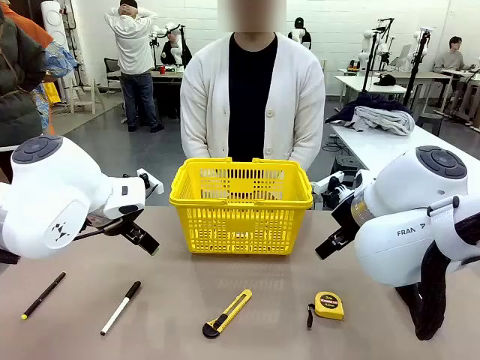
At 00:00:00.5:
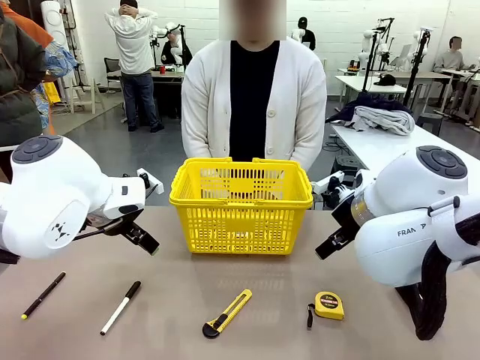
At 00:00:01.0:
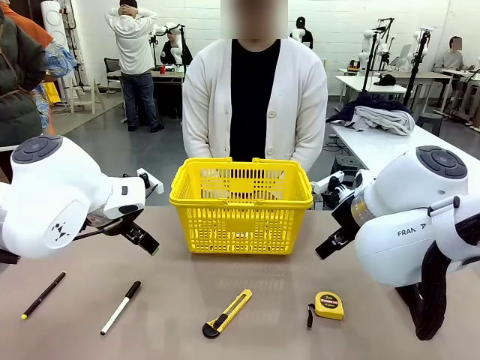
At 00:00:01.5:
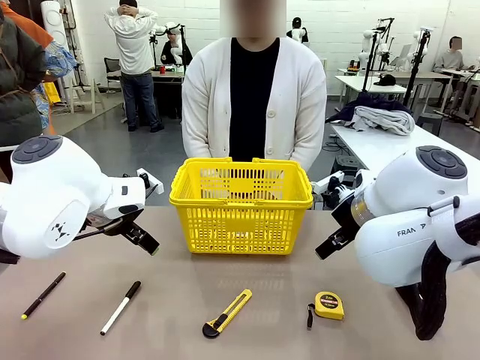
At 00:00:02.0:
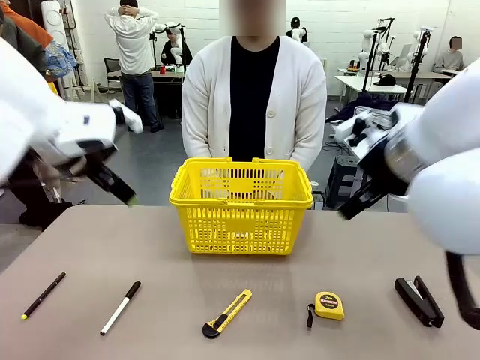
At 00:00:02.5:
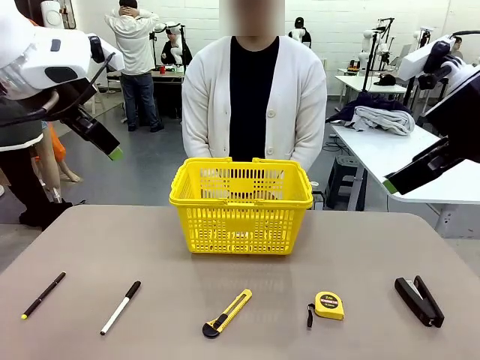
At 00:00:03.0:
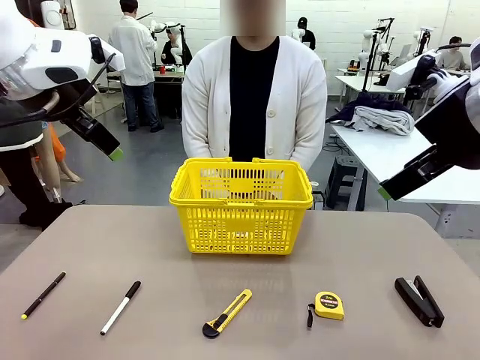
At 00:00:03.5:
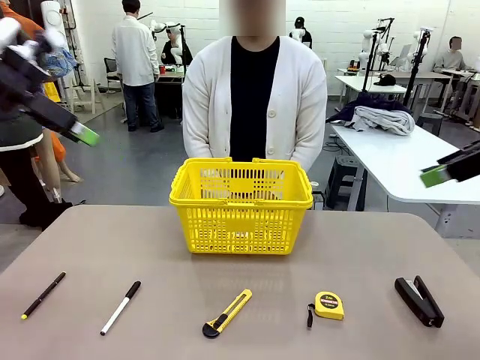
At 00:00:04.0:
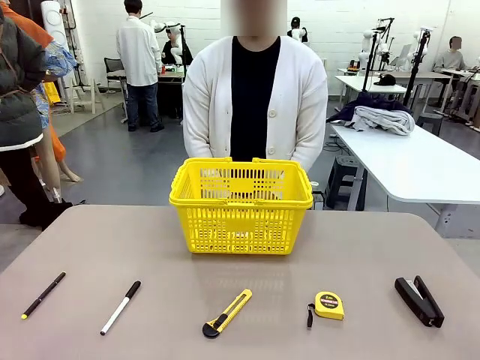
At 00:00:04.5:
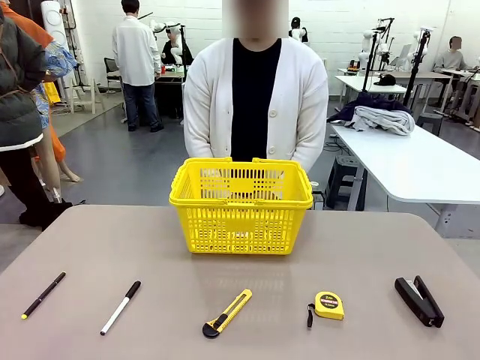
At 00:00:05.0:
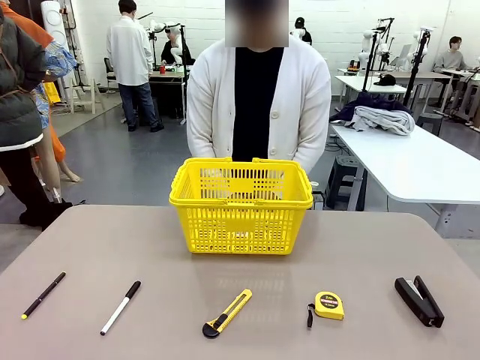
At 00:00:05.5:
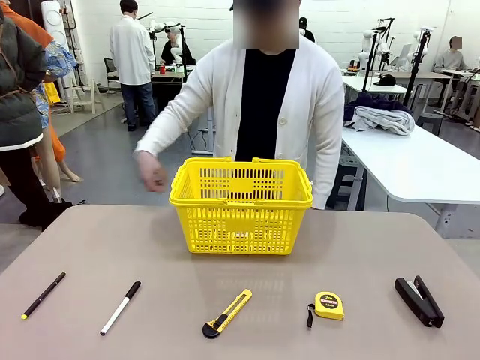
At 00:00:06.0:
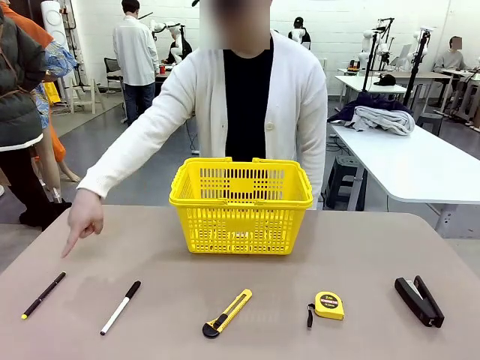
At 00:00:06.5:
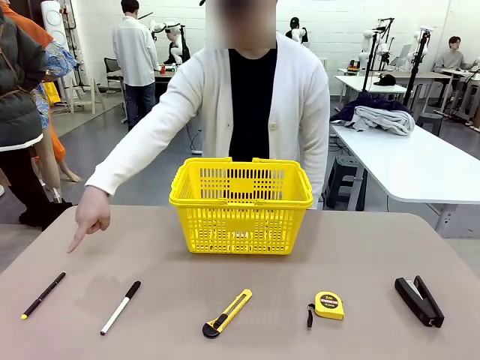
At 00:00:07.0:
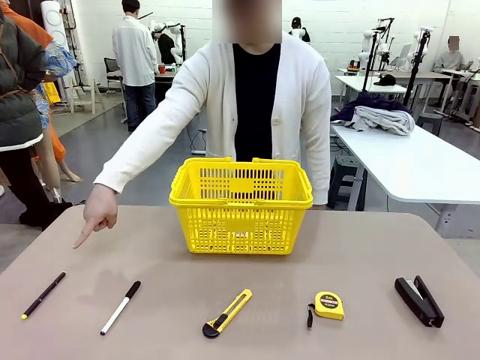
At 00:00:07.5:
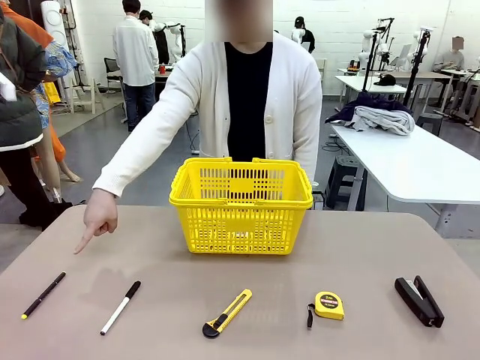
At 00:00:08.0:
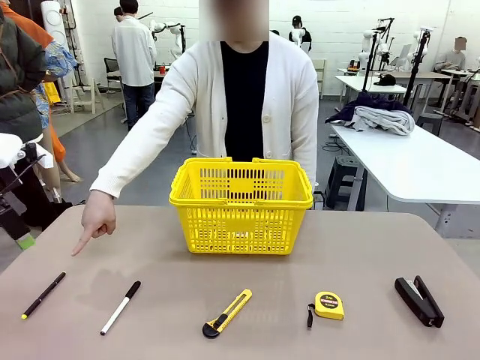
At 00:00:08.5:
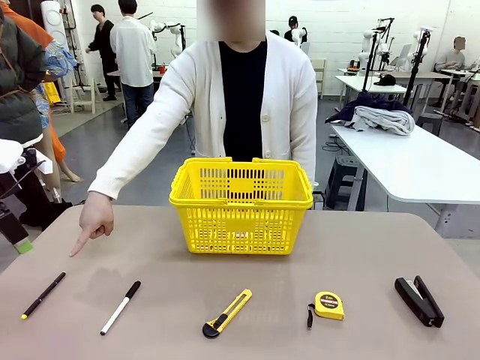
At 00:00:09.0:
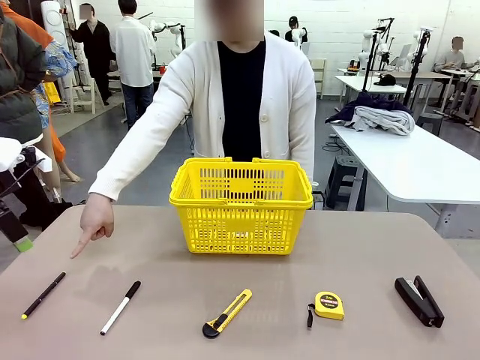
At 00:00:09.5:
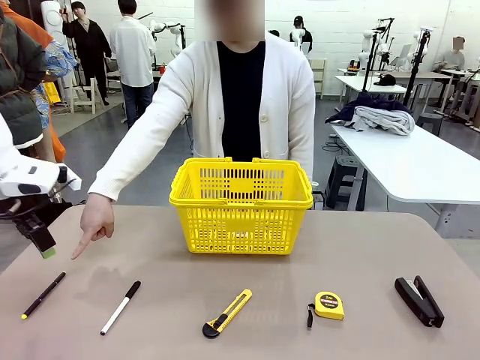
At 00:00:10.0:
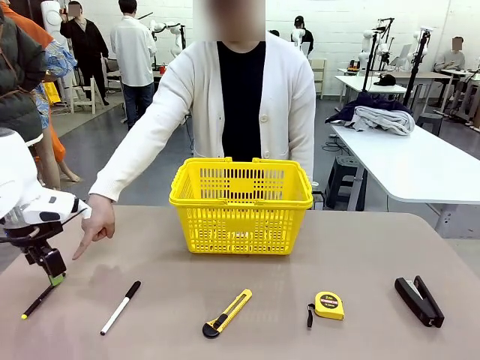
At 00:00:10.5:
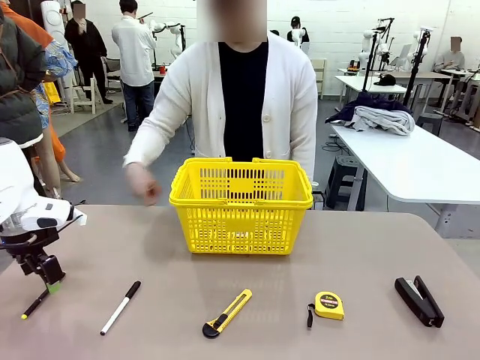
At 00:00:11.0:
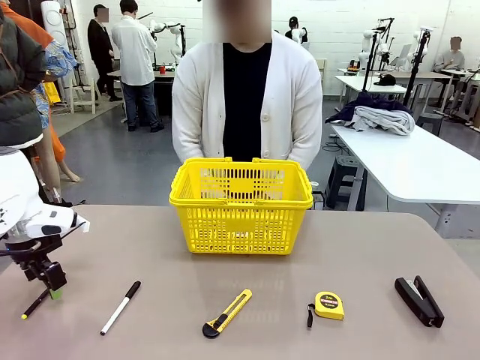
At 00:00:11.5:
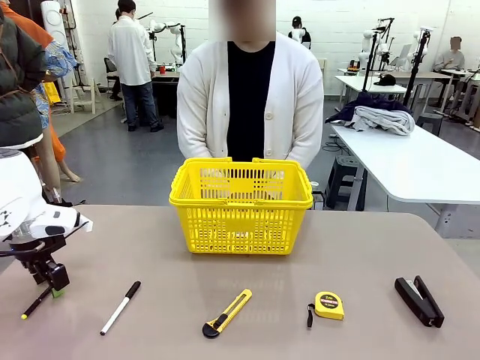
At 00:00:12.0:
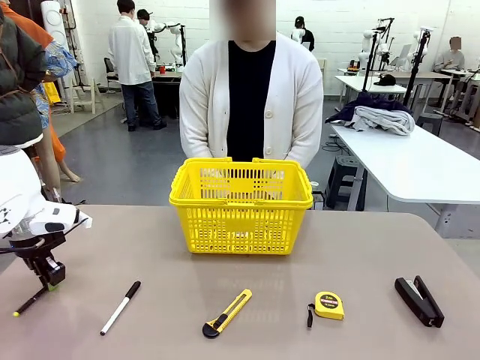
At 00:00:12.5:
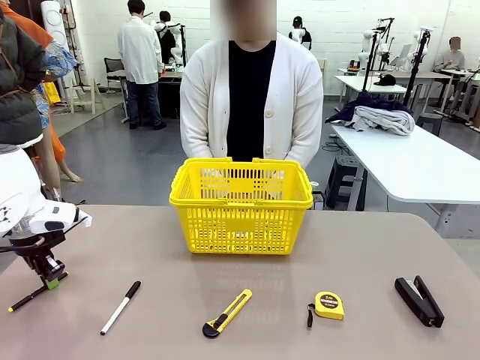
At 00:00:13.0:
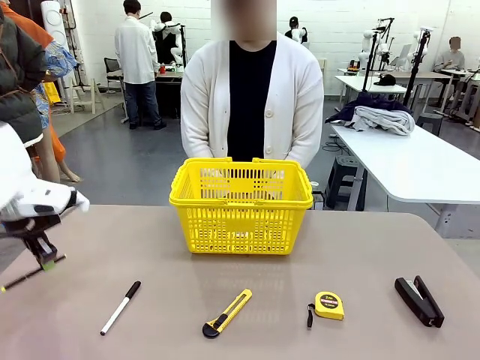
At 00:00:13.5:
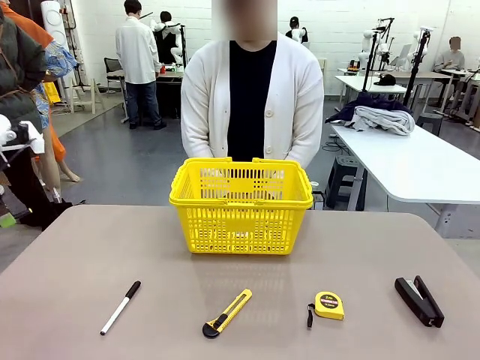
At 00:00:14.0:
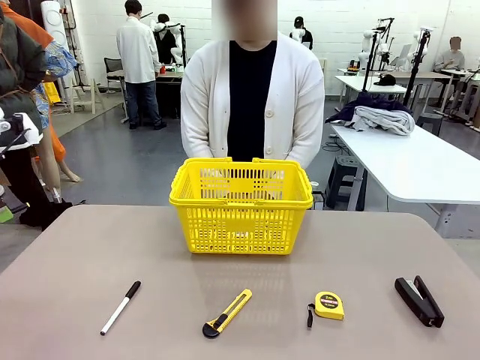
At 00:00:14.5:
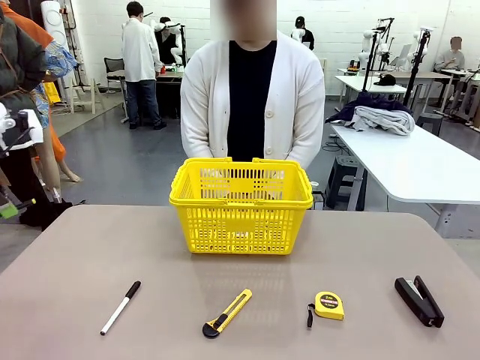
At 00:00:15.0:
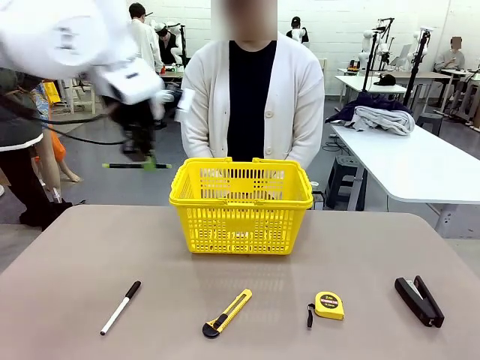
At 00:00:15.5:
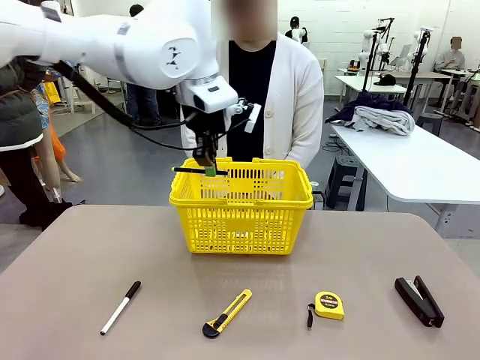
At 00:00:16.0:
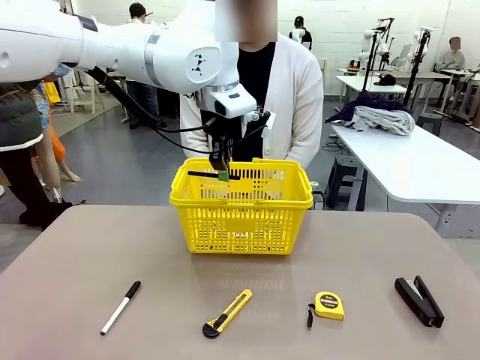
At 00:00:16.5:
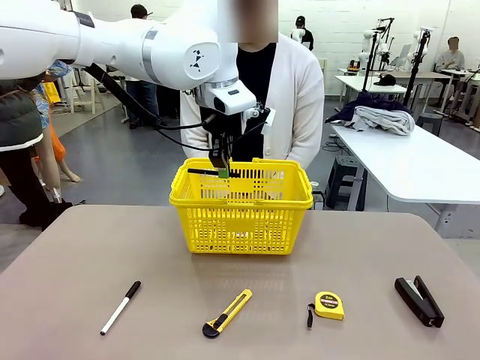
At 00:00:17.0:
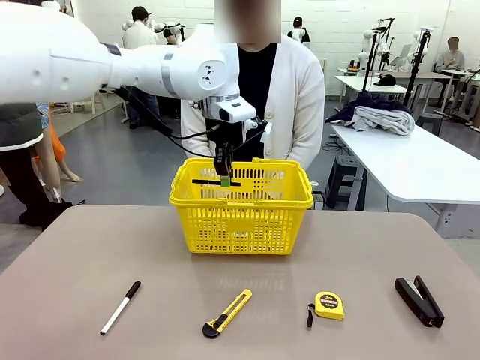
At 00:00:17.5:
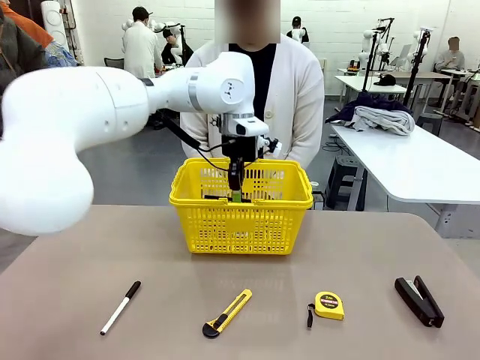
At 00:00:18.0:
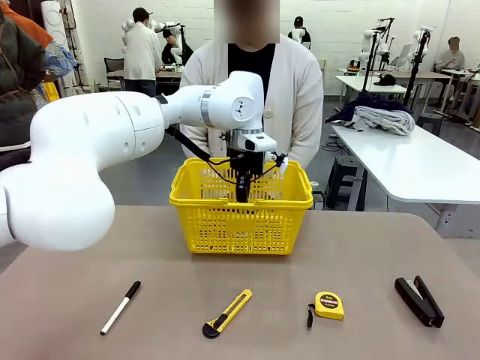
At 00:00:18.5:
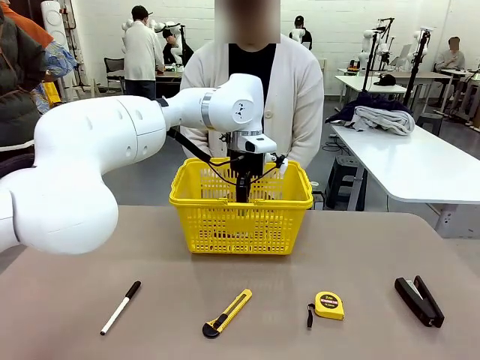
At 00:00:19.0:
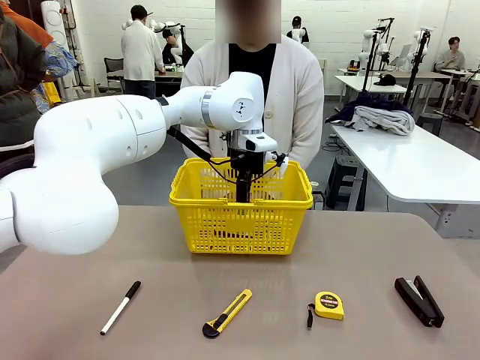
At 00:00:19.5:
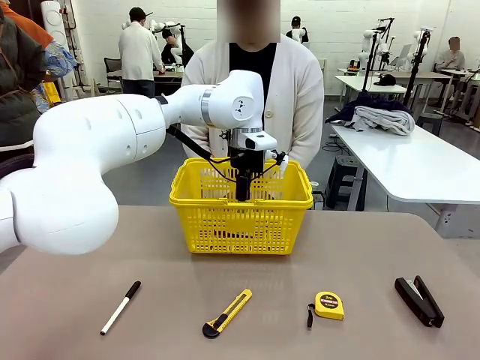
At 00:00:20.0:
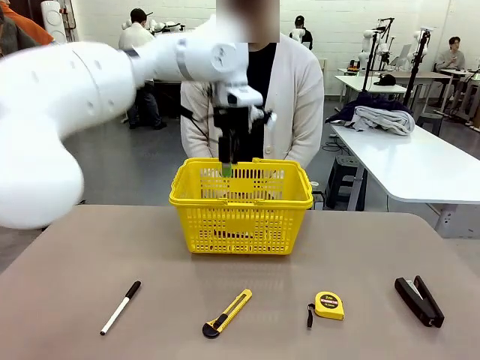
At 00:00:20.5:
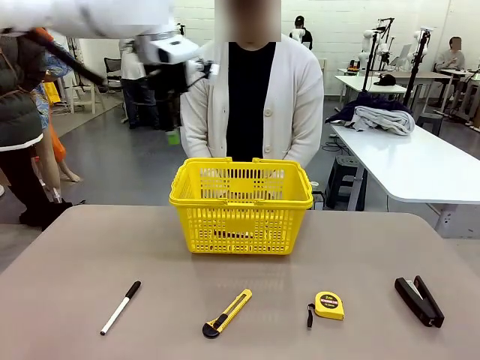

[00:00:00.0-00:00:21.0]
Task: Place the items the person wants into the basket.
Robot: Pick up the item the person points to and place it in the Market Basket.
